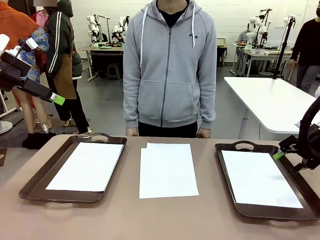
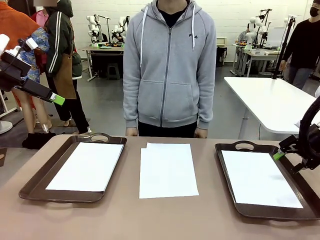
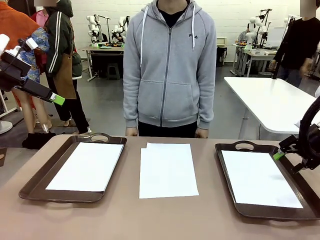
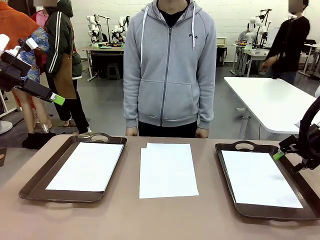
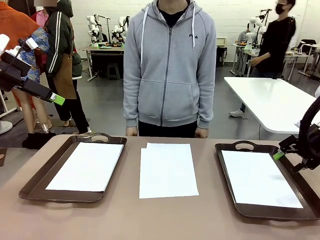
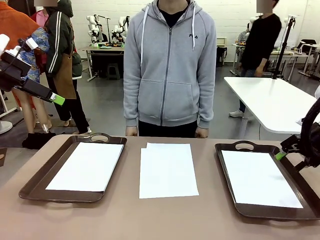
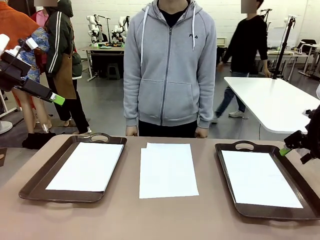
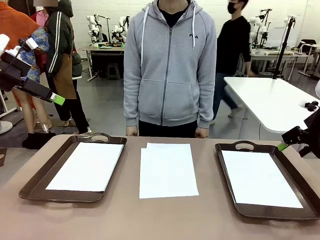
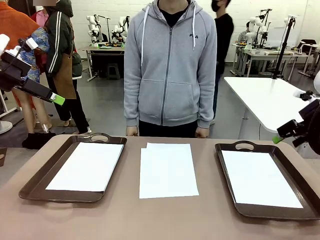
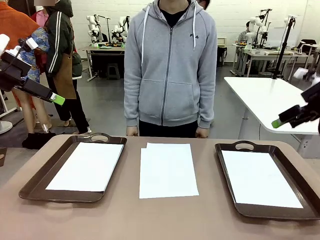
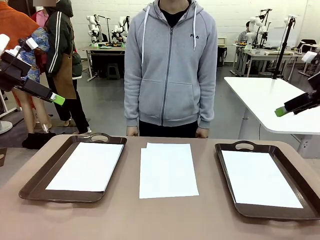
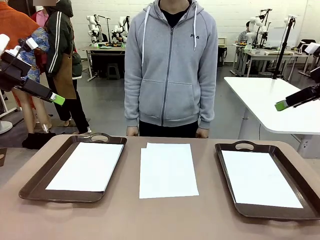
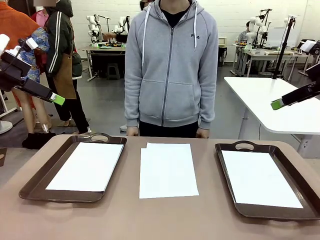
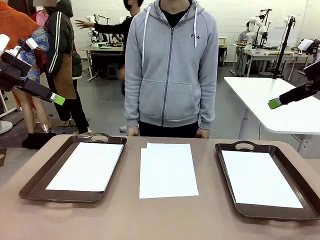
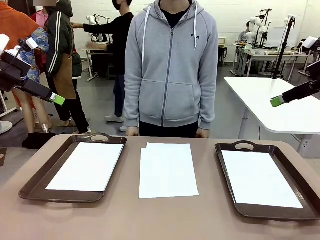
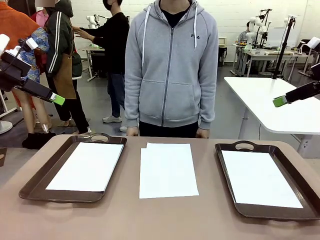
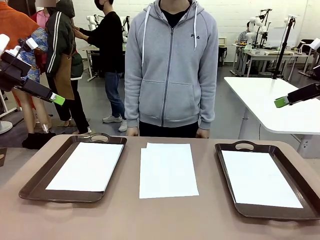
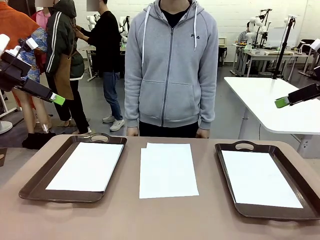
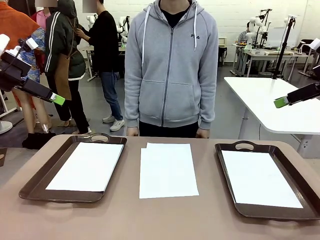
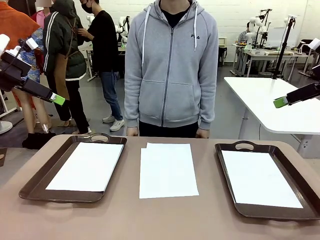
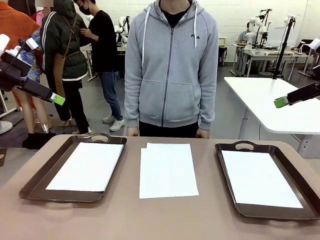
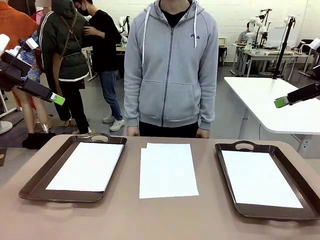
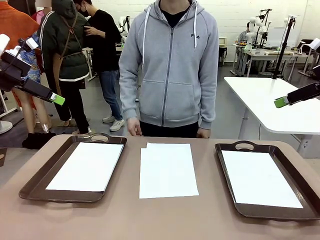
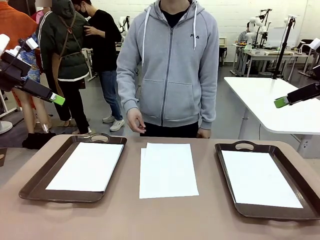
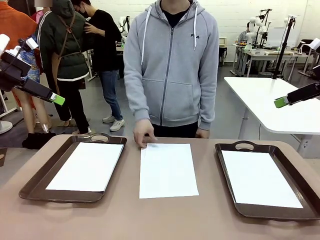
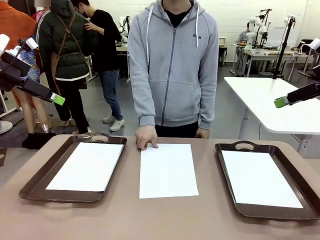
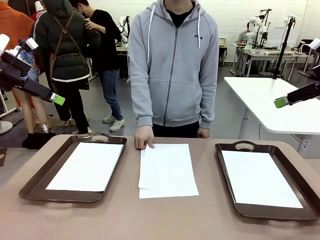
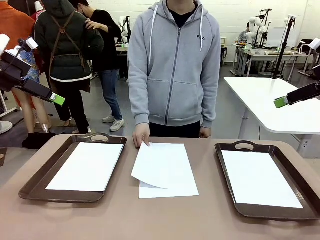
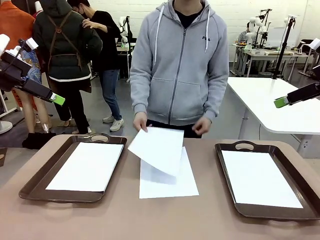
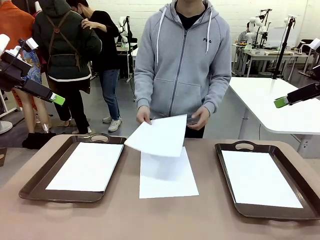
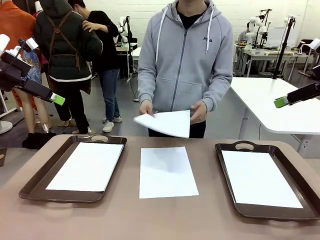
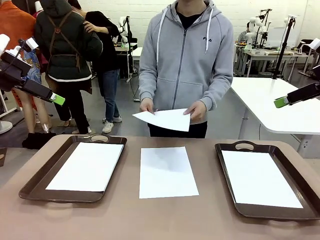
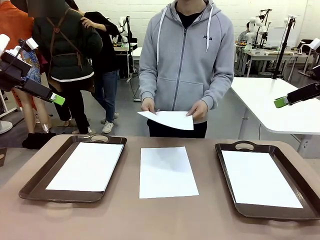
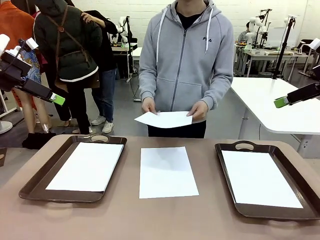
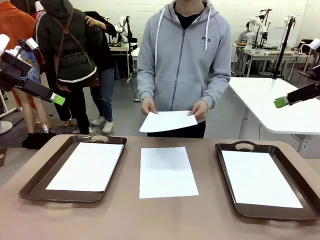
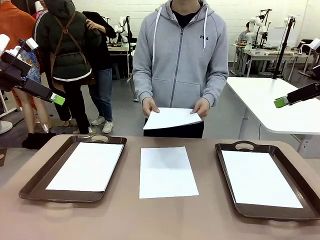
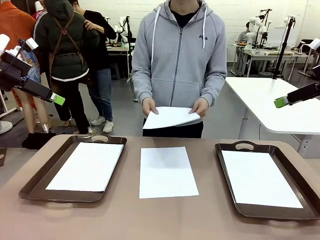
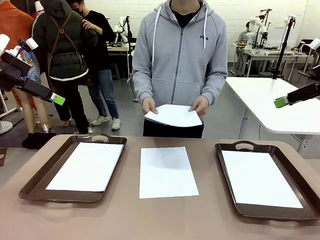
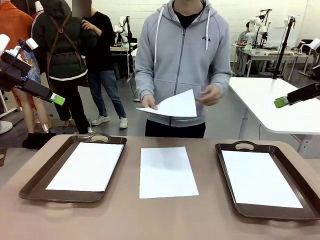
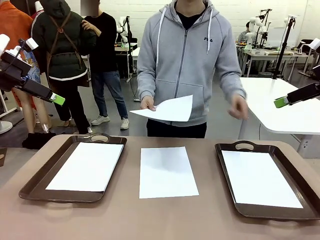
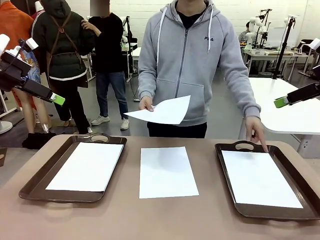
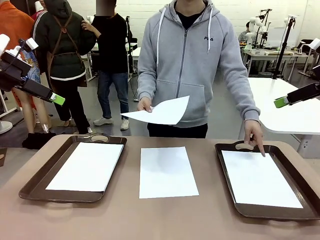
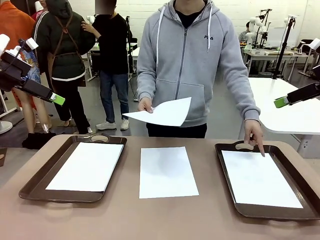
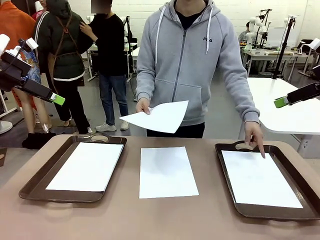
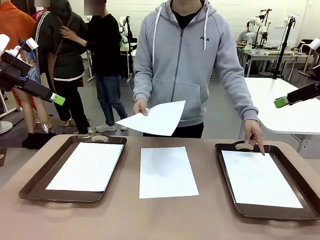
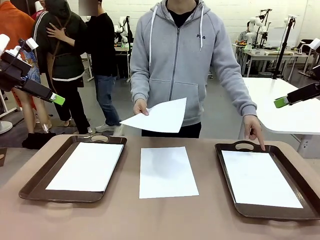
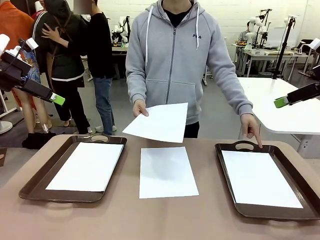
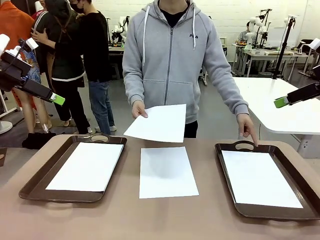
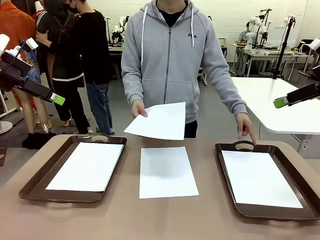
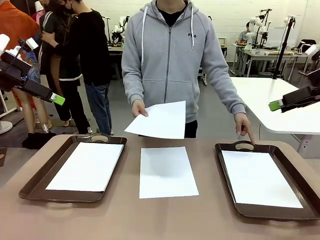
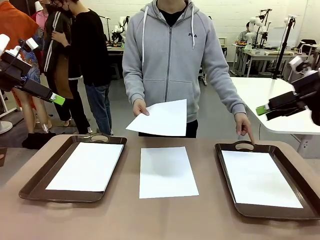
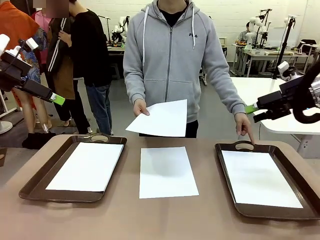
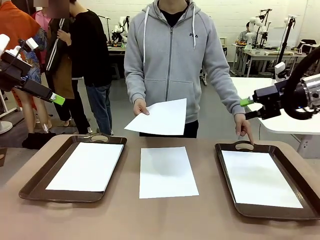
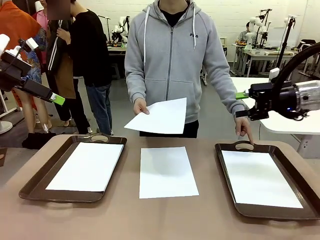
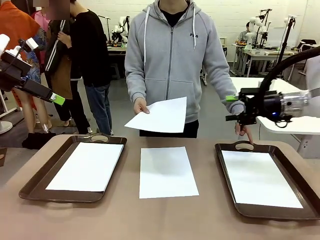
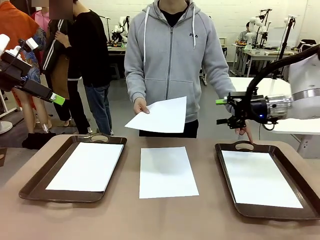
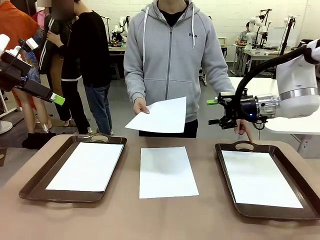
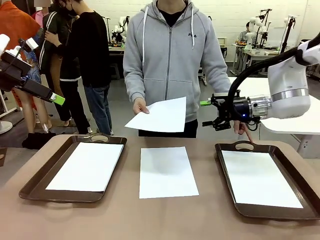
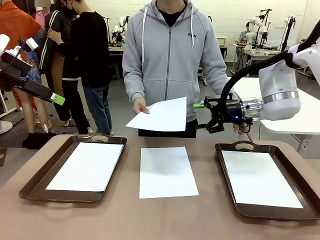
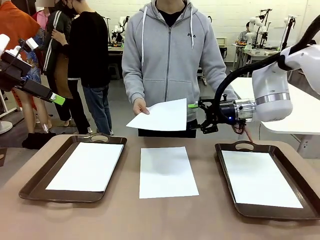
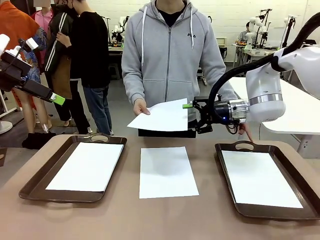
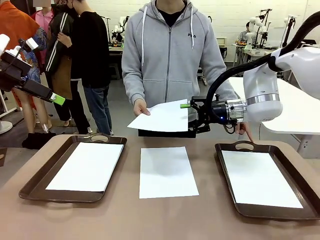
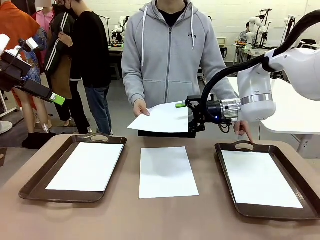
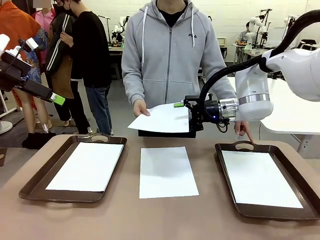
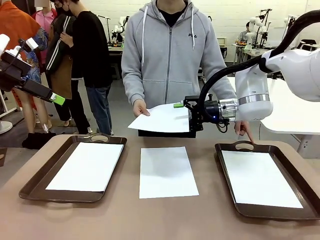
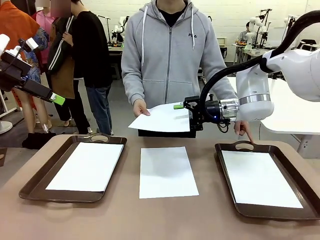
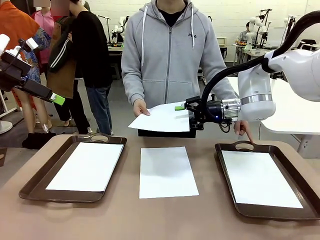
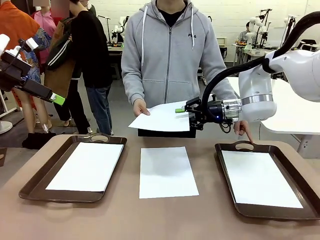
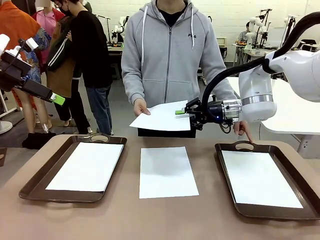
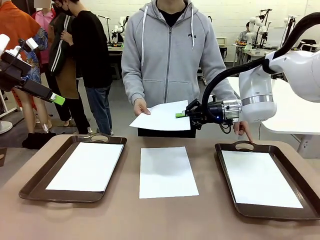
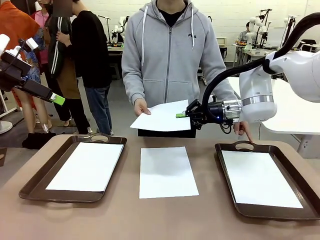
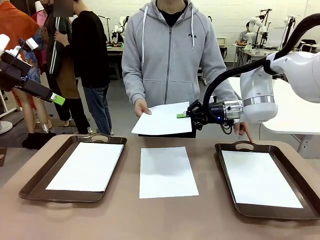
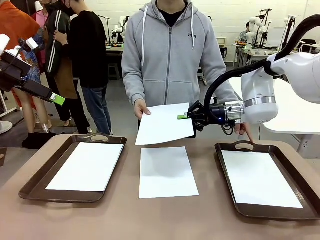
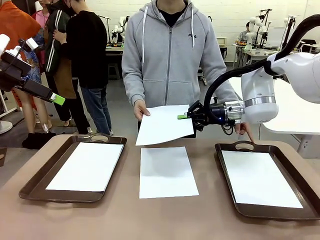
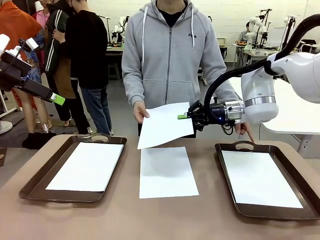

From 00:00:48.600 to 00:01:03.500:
Task: Sort the A4 documents.
Robot: Receive the A4 Paper.
Person: Point the randomly selected tray with the other hand.

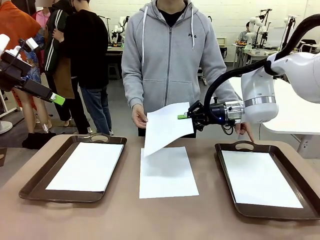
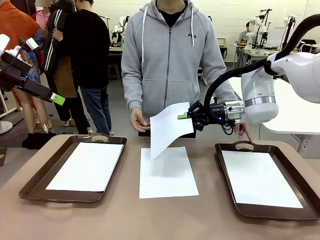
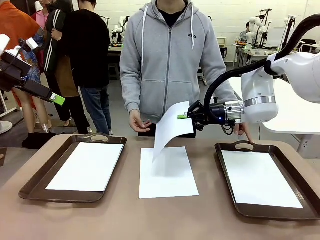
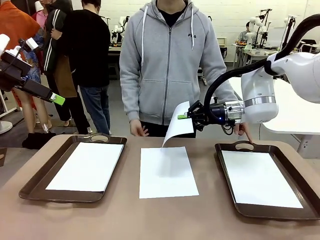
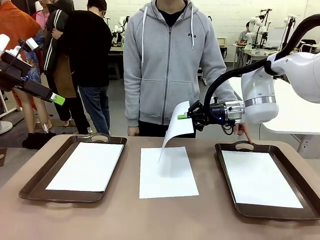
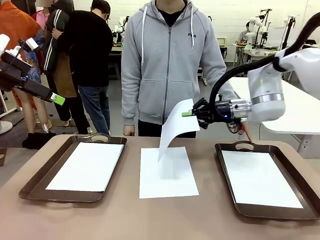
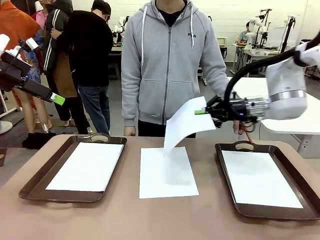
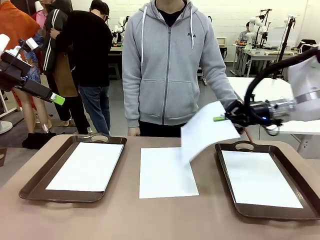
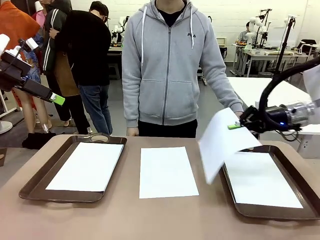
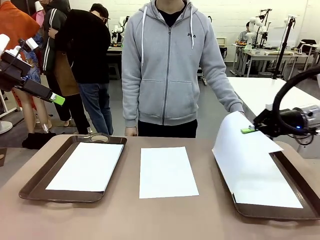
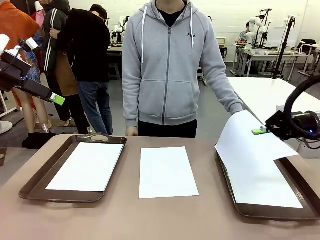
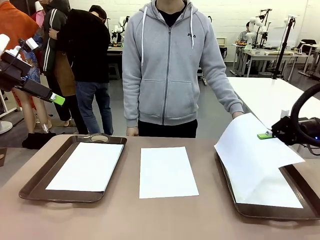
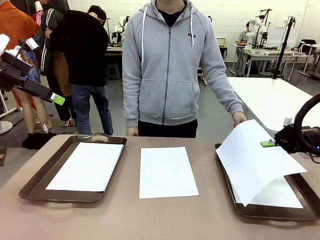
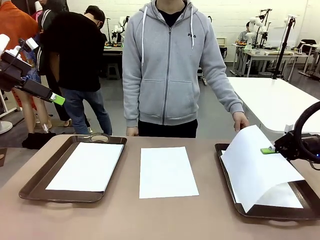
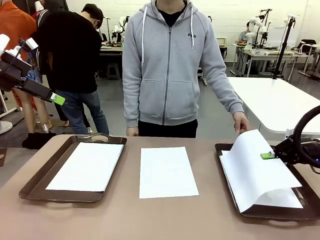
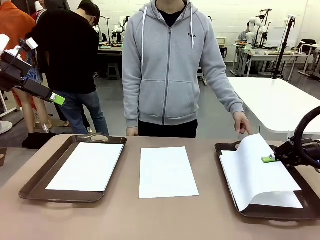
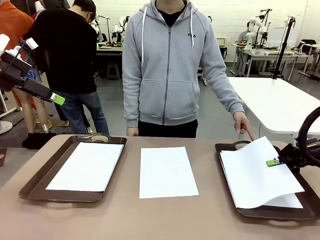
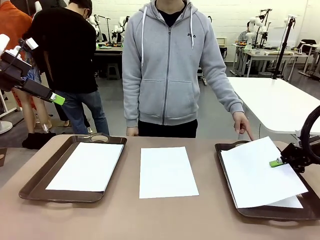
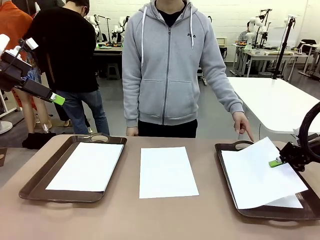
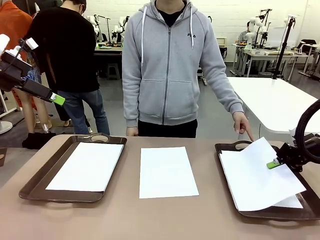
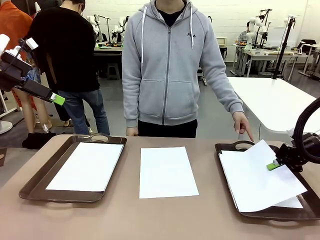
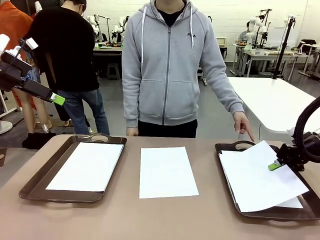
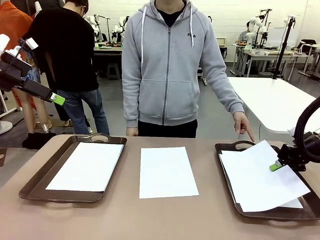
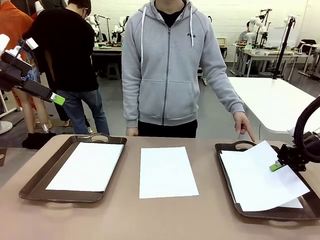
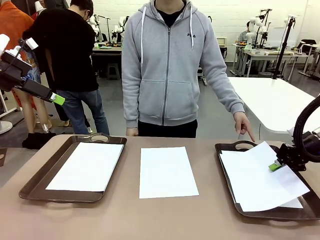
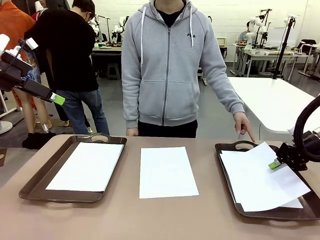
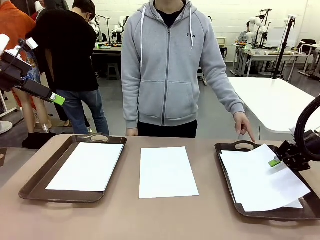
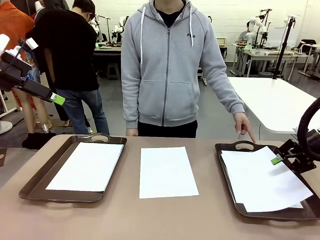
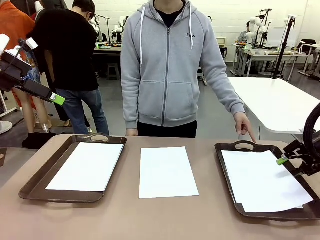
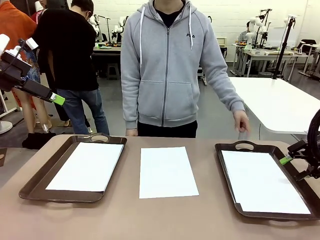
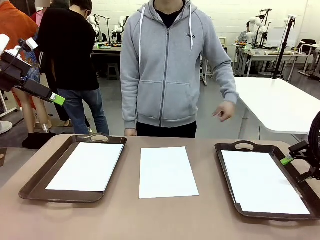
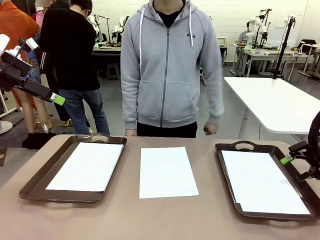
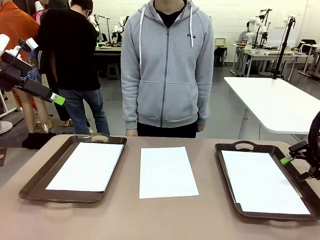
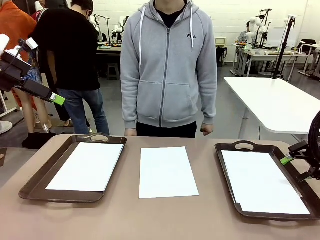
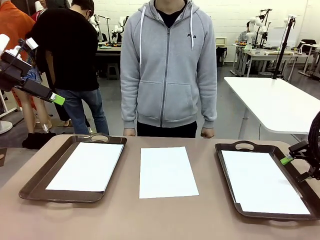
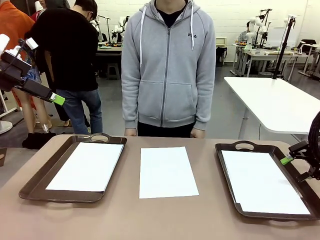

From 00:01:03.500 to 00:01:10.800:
Robot: Place the A4 Paper in the designated Handle tray.
